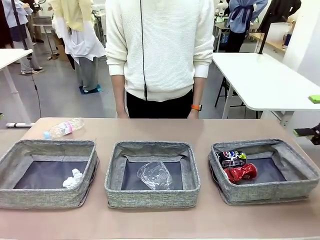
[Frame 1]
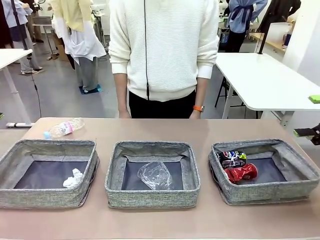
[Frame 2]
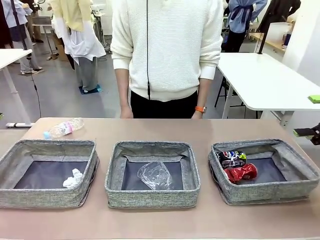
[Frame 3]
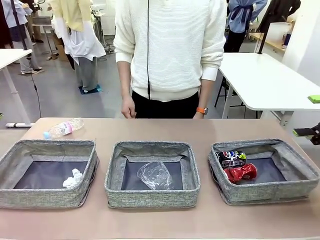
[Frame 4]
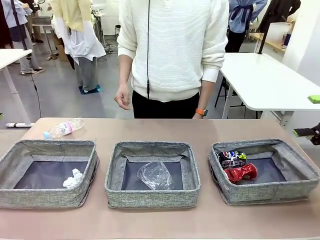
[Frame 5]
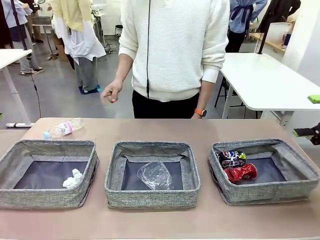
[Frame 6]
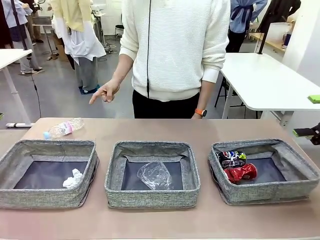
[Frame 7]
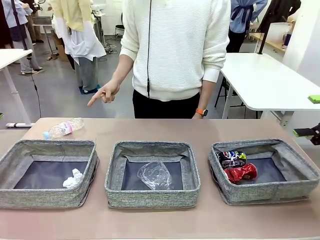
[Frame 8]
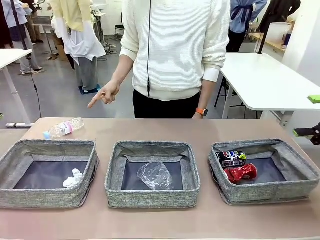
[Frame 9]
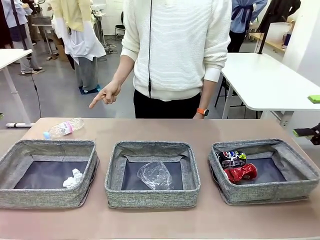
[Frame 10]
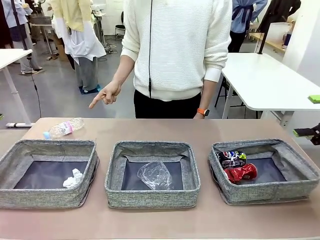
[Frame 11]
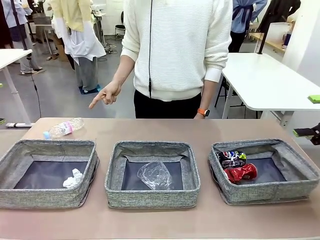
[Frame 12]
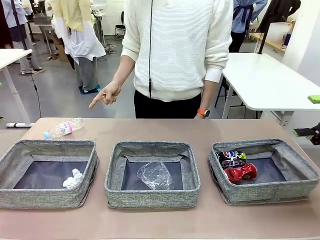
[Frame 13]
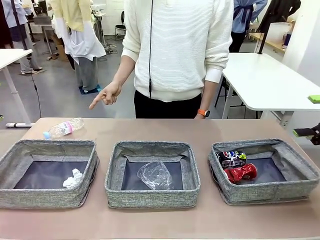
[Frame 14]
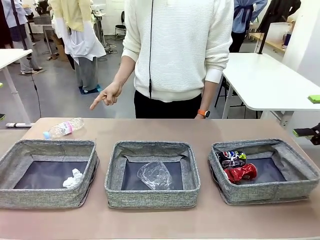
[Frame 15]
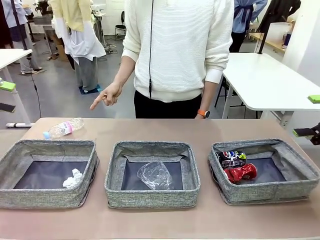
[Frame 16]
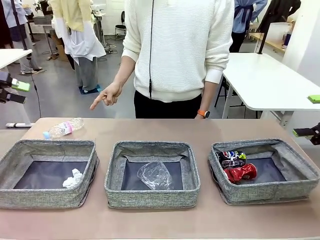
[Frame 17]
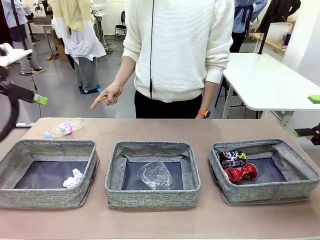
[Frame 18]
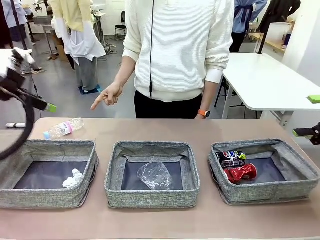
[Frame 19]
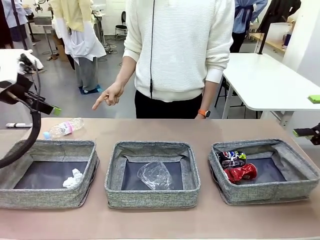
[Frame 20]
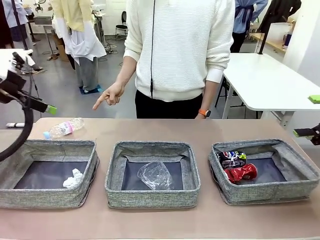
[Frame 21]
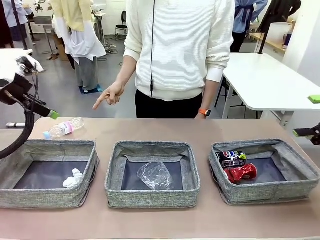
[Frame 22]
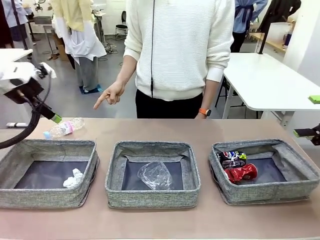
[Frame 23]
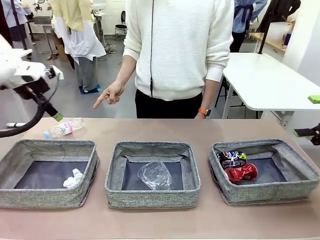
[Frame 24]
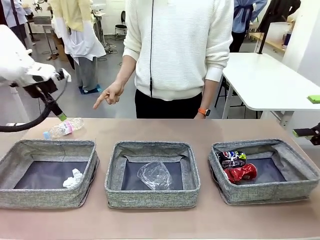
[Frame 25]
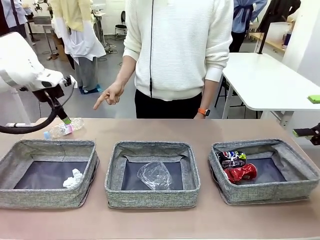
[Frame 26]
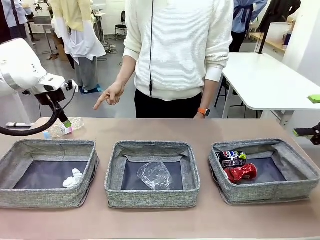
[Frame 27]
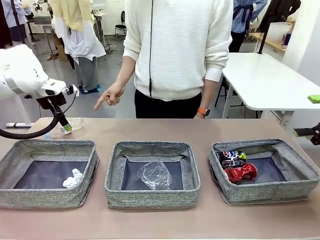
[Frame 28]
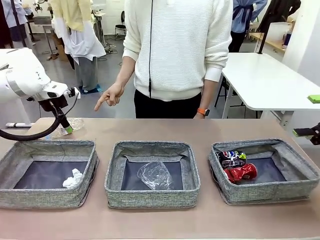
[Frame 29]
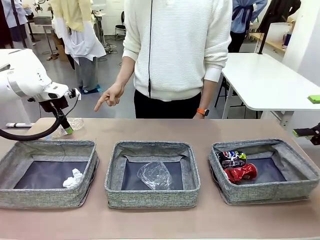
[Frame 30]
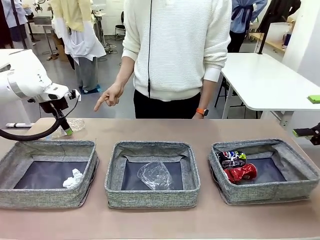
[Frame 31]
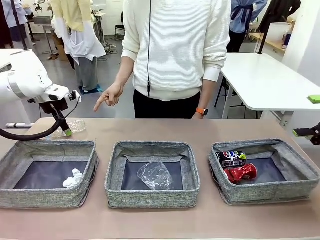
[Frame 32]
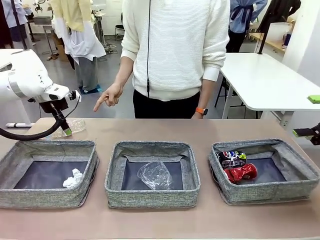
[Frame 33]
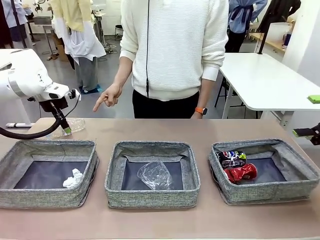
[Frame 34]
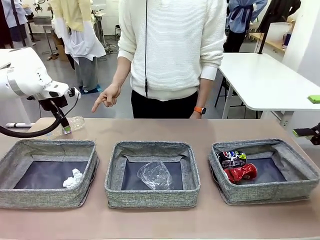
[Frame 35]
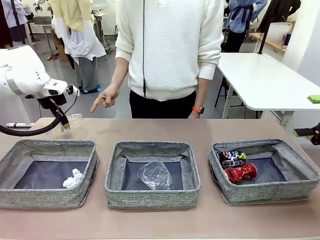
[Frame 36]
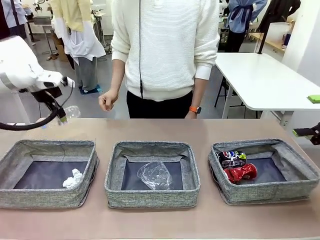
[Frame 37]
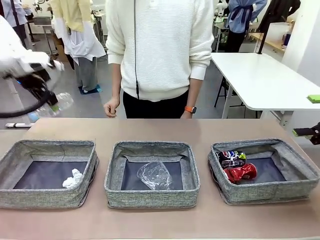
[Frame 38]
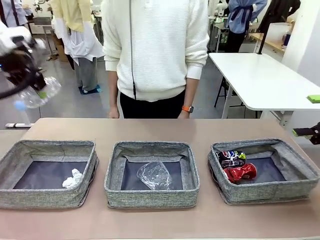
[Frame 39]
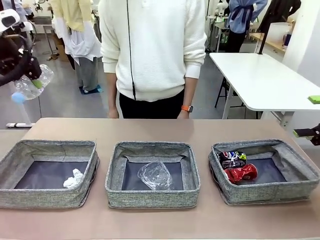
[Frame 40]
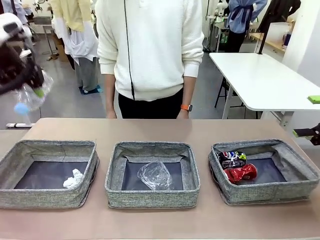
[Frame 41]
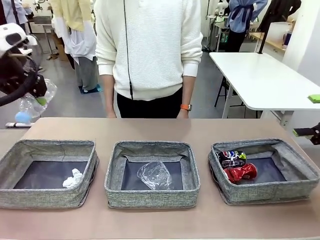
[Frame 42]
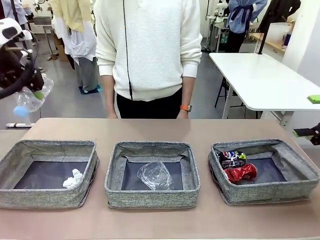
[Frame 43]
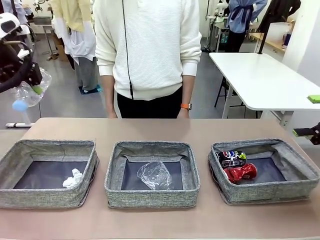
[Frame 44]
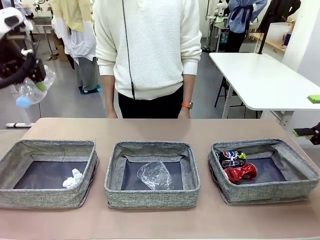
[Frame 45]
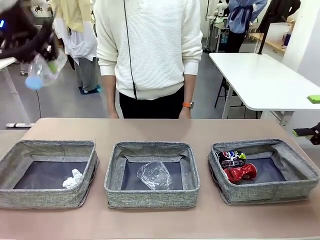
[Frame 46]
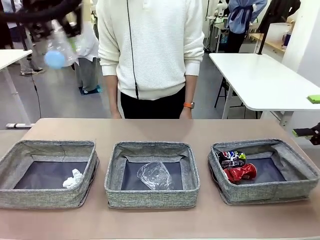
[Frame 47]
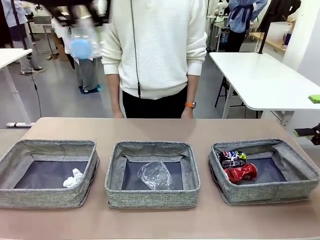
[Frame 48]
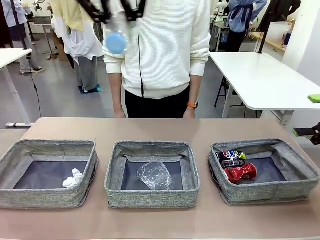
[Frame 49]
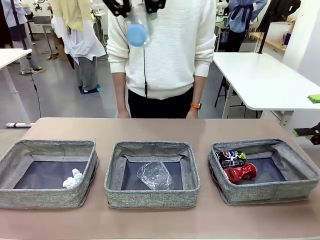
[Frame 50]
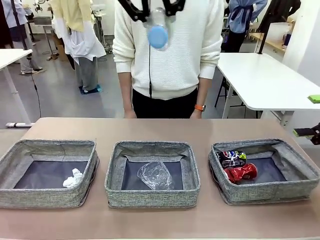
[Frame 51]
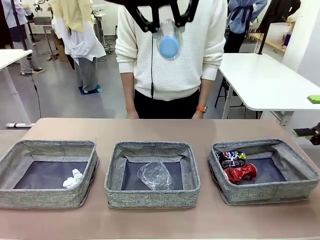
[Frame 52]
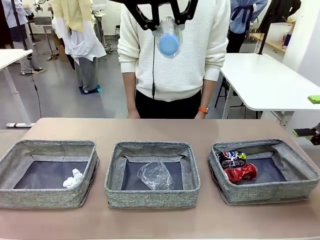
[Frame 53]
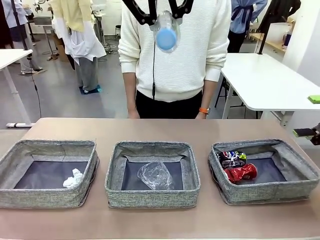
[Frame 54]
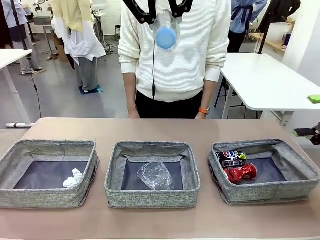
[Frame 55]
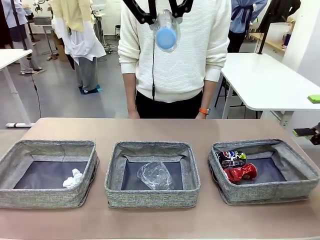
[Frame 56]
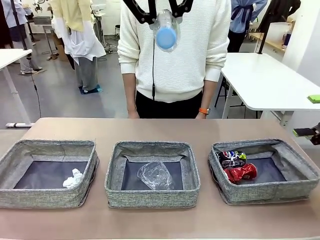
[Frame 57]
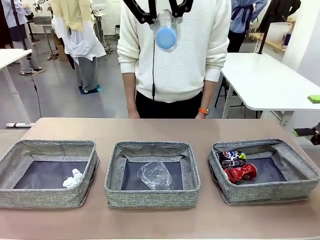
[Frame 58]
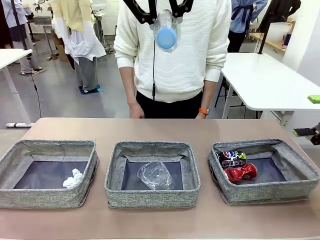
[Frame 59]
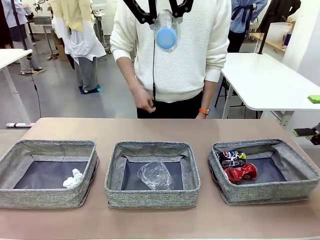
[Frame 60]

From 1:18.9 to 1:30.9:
Task: Sort the waste into the appropriate baskets.
Robot: Pick up the waste item pointed out by the person.
Person: Points to one piece of trash on the table.

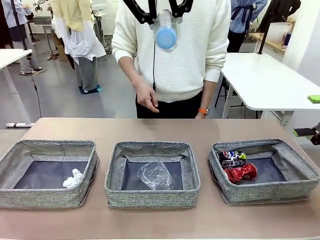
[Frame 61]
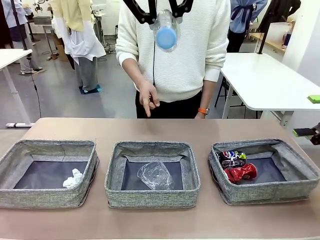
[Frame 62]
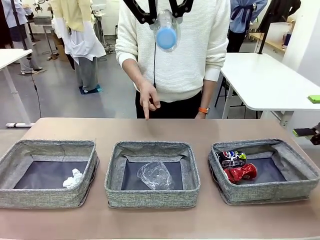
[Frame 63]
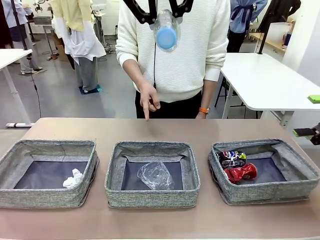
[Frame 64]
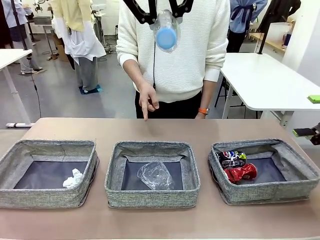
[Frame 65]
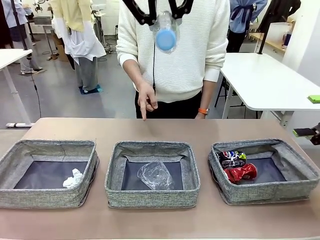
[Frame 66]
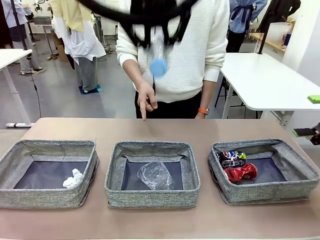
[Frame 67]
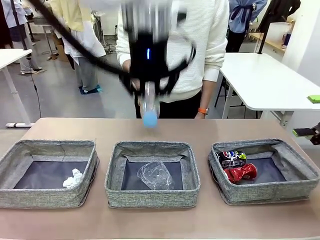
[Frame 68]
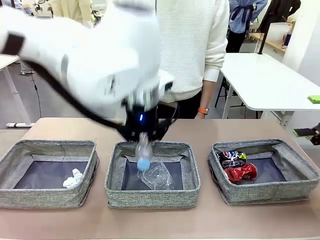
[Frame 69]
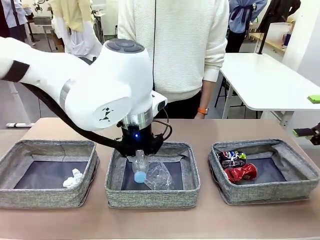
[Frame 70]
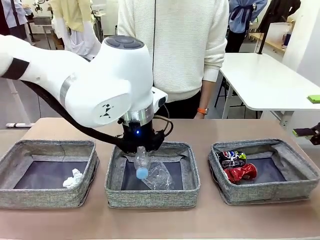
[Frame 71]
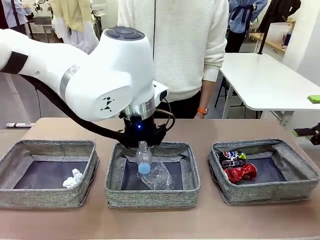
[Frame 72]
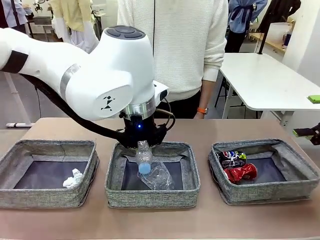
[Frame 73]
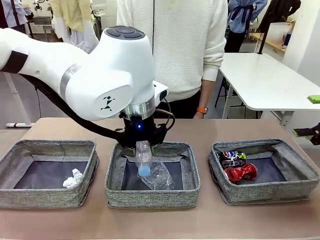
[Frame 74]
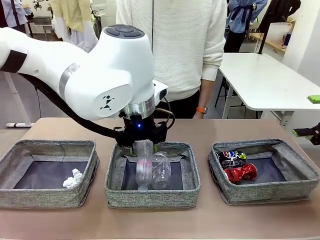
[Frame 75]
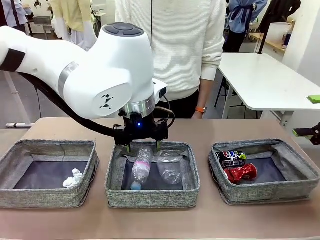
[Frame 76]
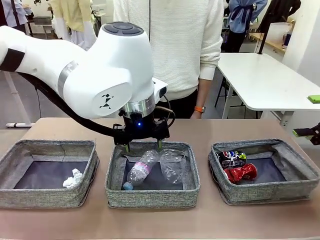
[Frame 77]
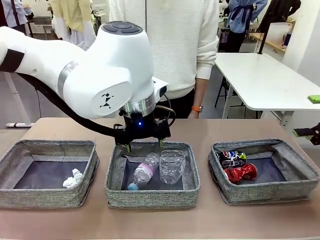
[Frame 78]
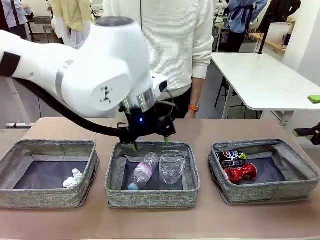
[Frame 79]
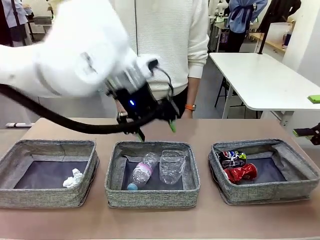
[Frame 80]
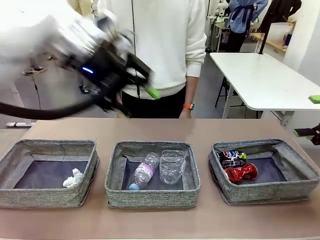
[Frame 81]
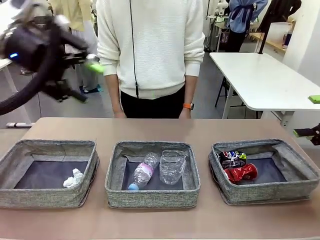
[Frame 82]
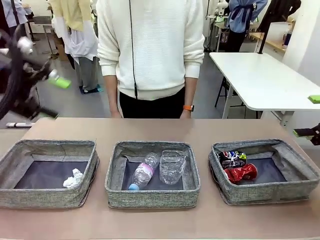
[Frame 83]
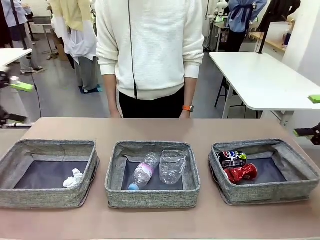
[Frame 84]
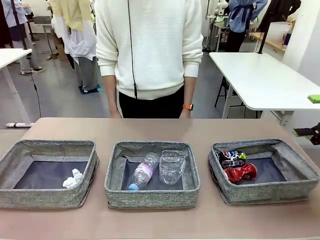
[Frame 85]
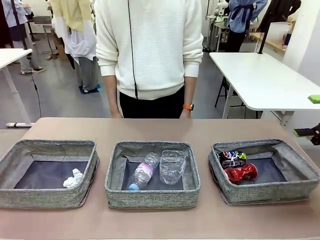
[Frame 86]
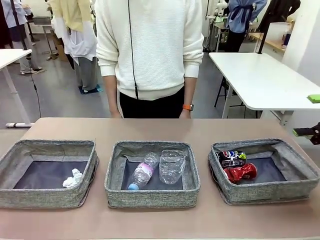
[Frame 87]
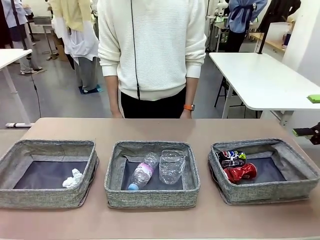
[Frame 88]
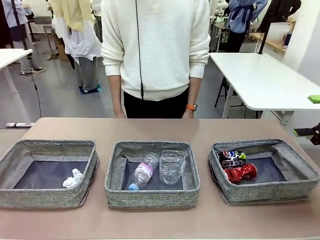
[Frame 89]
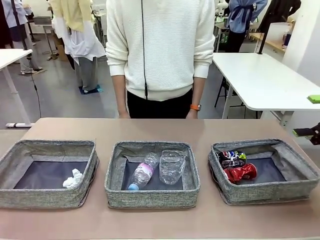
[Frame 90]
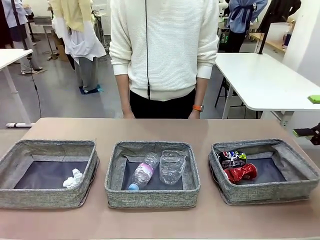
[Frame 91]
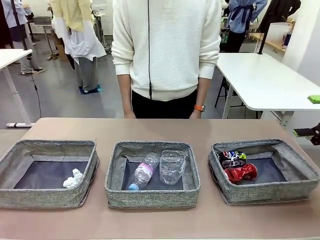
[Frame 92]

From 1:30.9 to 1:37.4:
Robot: Place the picked waste into the Fabric basket indicated by the person.
Person: Instructs the robot to place the picked-up trash into the appropriate organizing basket.
